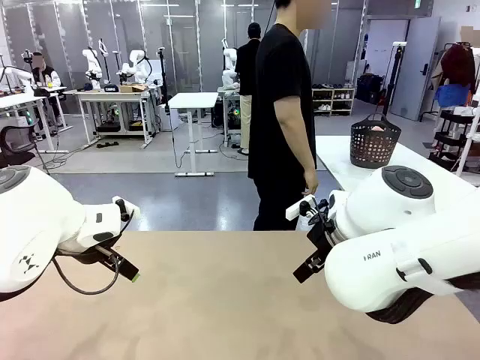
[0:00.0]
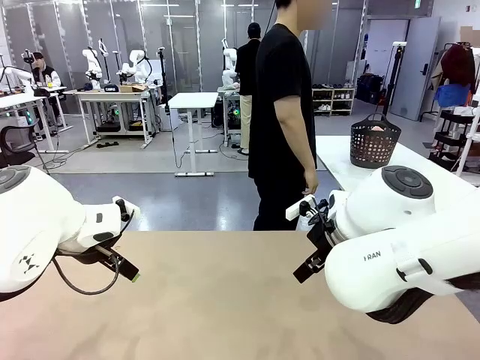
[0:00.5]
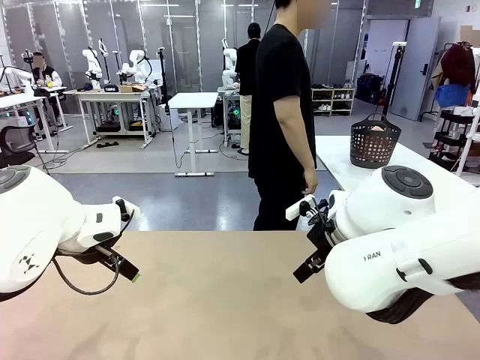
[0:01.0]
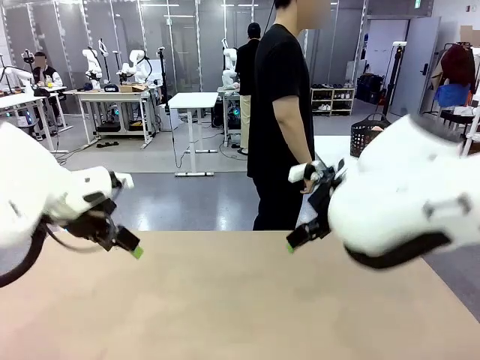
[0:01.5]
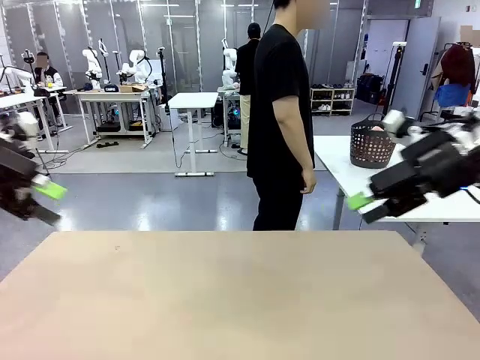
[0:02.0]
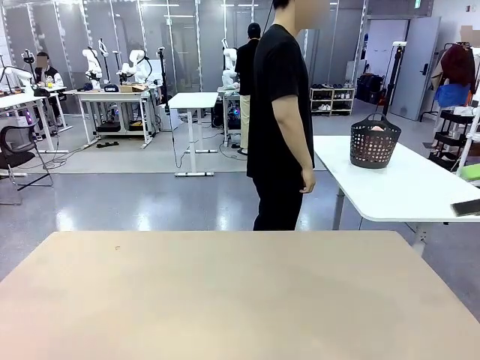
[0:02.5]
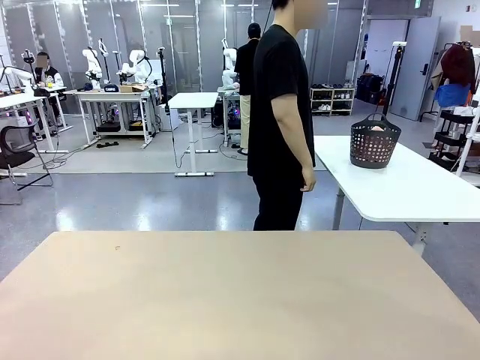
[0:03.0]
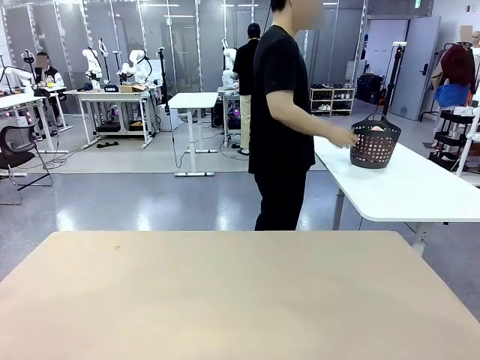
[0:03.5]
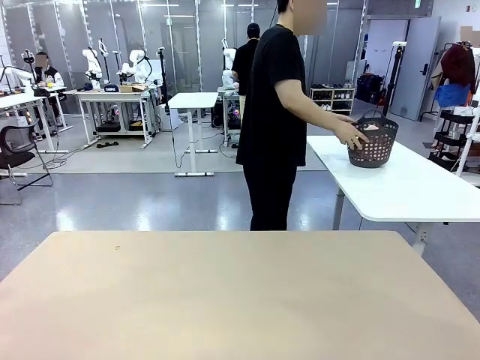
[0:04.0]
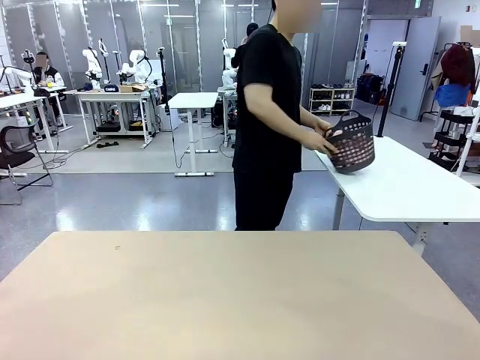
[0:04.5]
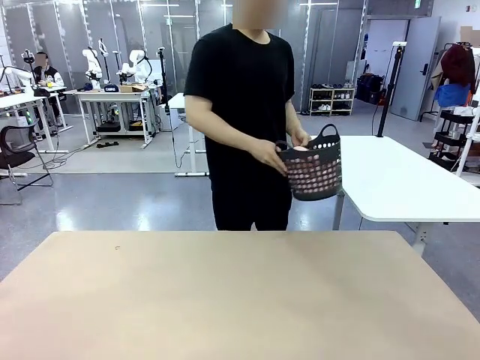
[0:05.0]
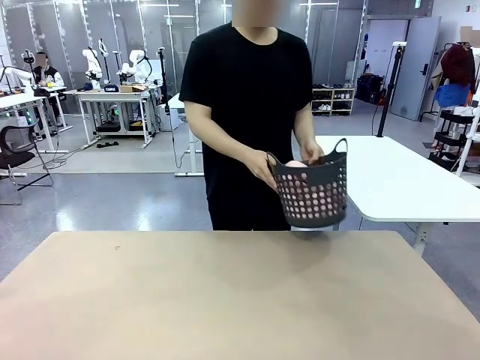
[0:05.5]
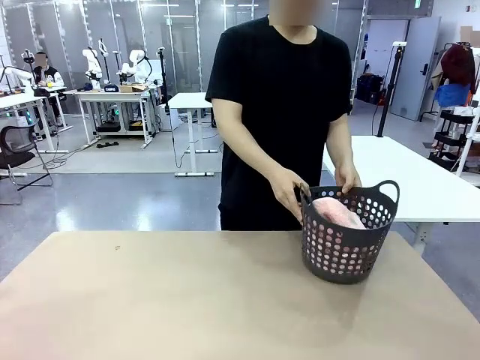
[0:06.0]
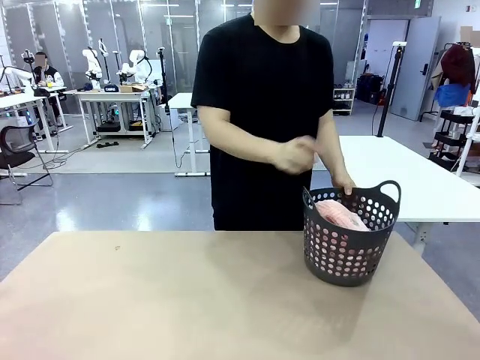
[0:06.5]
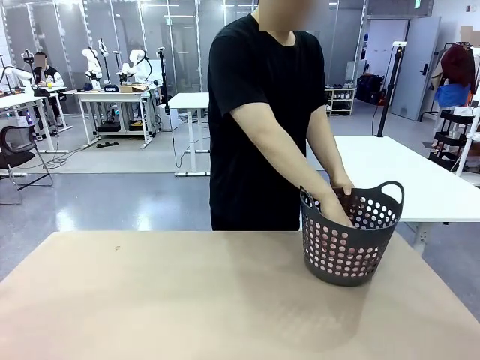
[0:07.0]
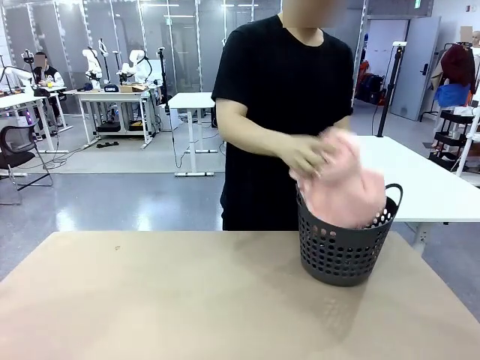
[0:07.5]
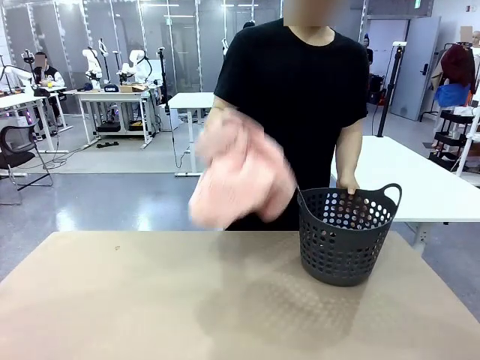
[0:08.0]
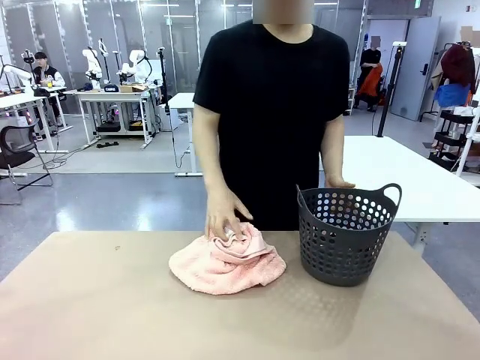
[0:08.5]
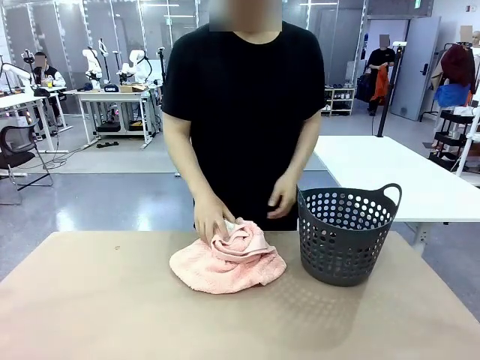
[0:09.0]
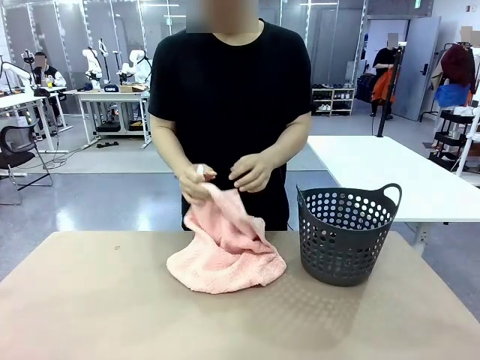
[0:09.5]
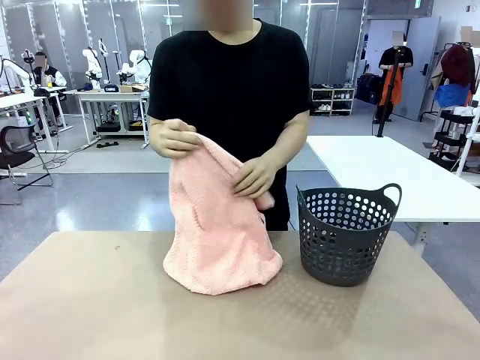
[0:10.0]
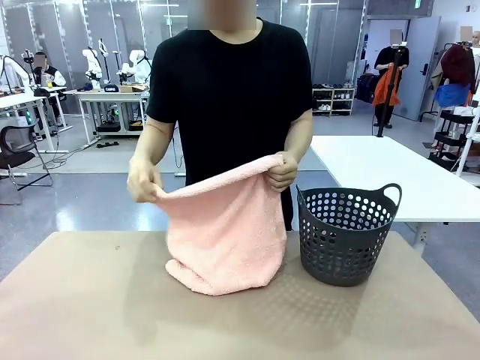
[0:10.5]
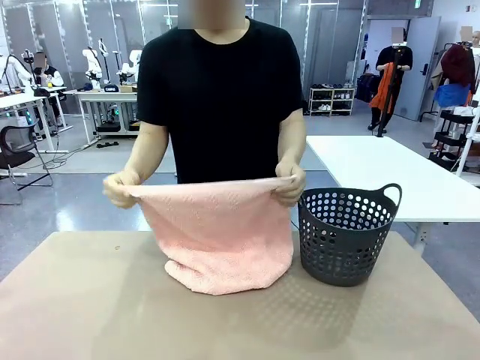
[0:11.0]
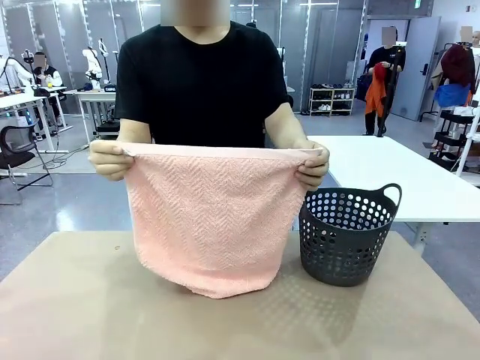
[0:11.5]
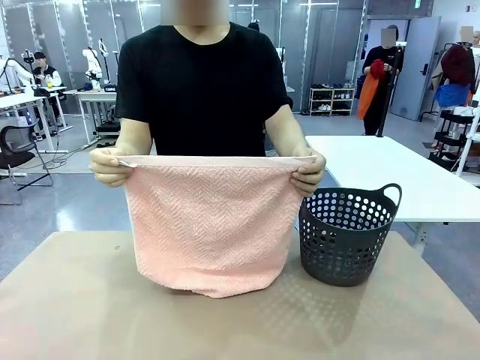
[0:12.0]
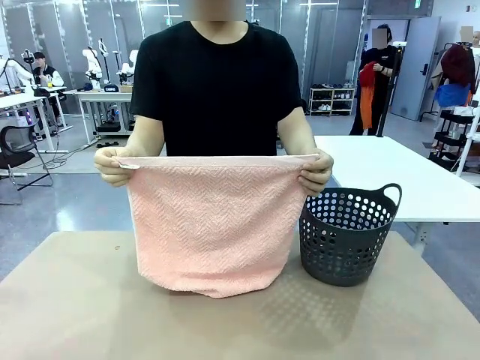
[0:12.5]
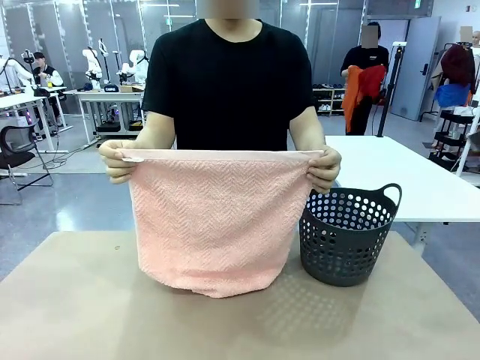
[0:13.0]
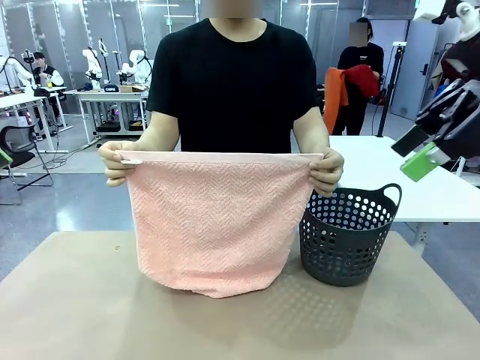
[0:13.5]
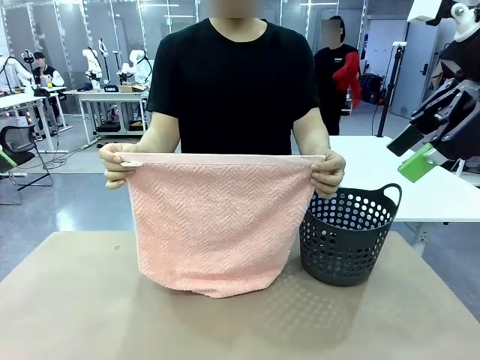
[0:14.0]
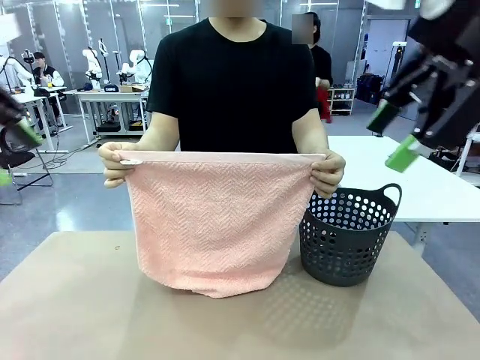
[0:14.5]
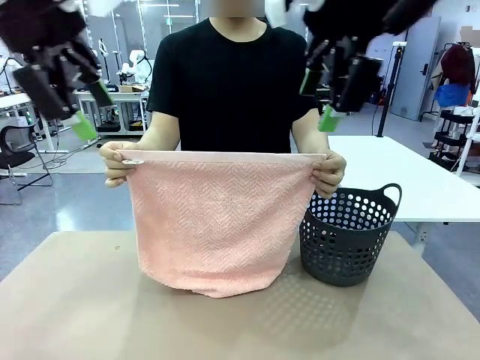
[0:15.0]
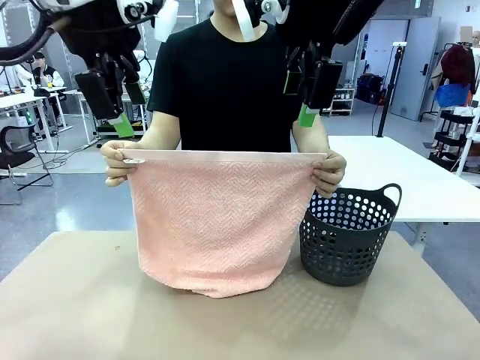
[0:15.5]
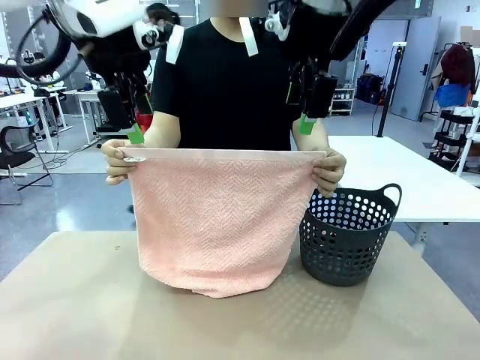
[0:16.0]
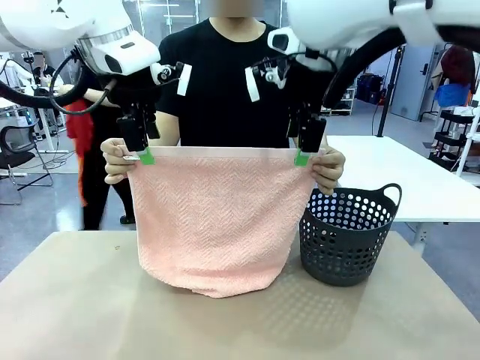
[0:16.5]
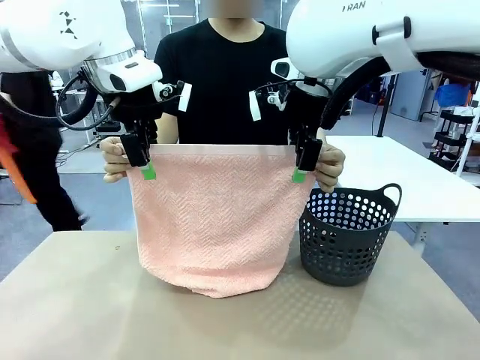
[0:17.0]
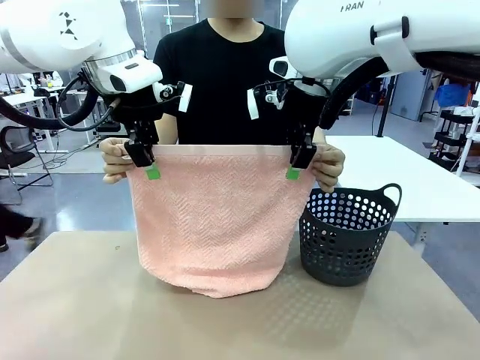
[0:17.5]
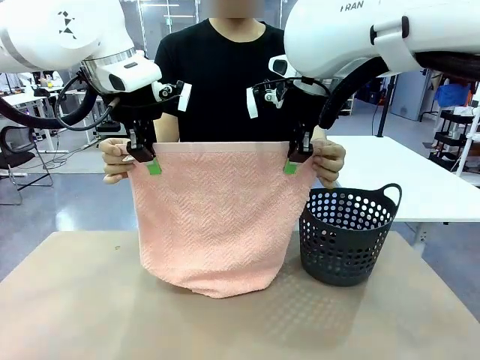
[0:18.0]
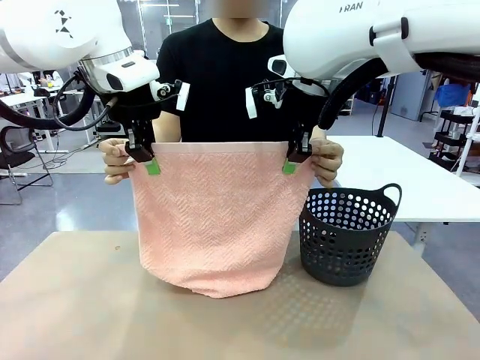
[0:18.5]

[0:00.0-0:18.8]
Task: Fold the towel.
Robot: Grab the top end of the 100 cm Hotel Towel extended by the human.
Person: Pick up the laundry basket, place it on the left side of the robot table, then take out a towel and hand it to the robot while holding both corners of one end.

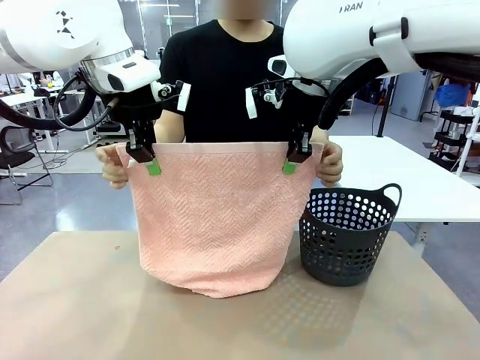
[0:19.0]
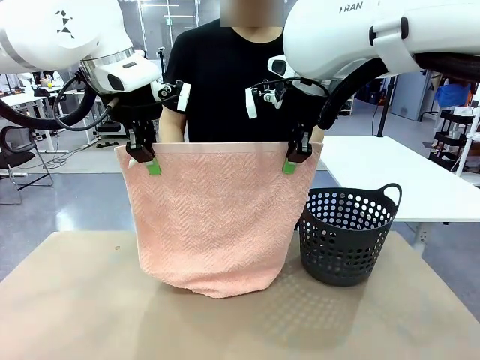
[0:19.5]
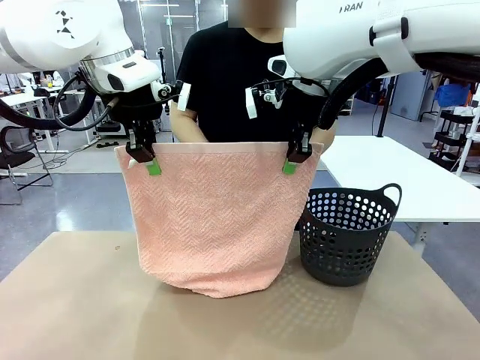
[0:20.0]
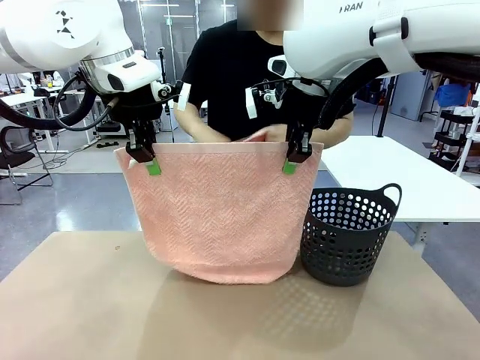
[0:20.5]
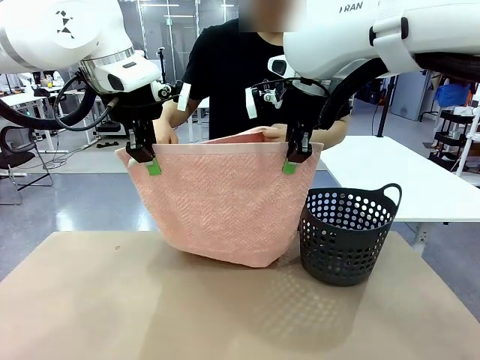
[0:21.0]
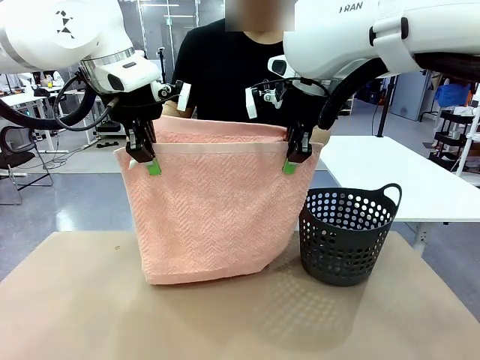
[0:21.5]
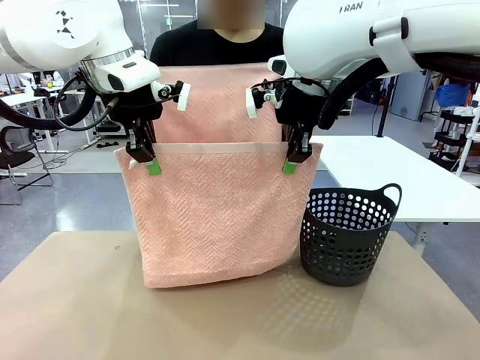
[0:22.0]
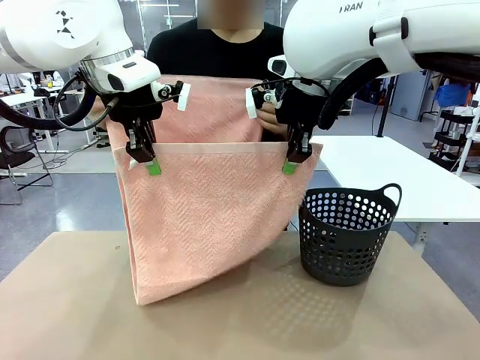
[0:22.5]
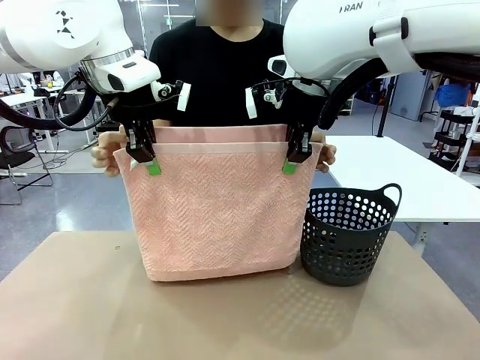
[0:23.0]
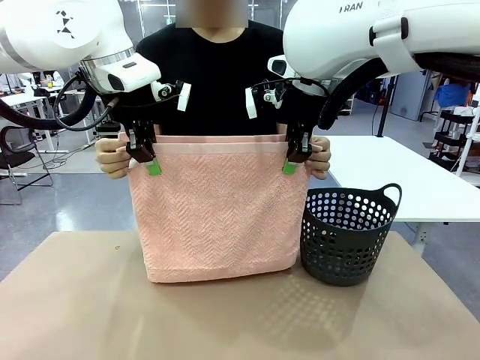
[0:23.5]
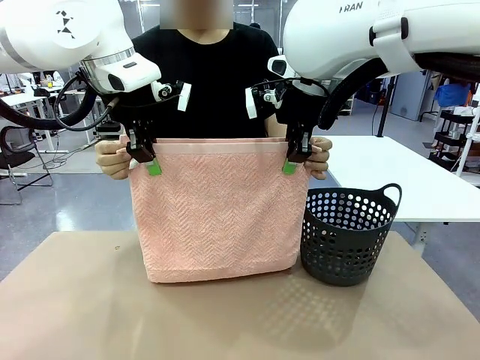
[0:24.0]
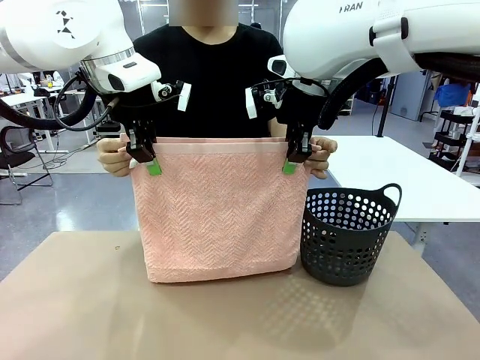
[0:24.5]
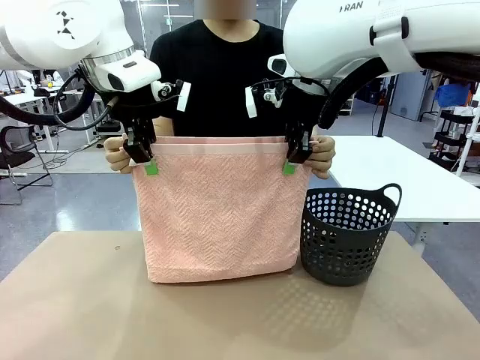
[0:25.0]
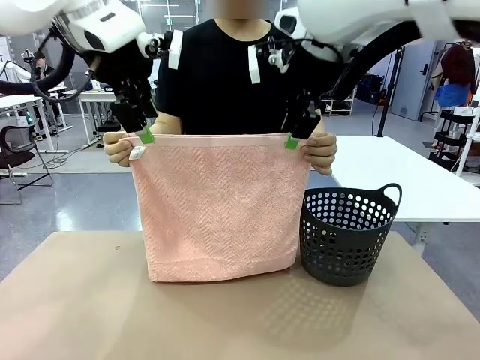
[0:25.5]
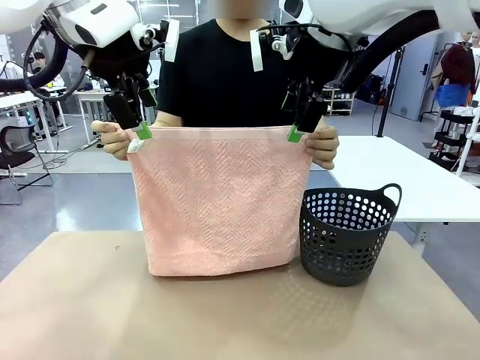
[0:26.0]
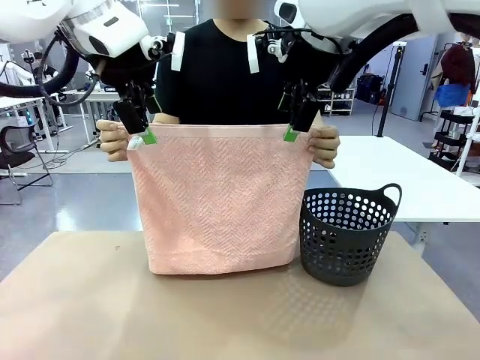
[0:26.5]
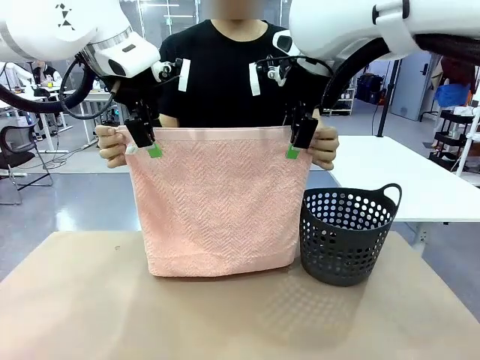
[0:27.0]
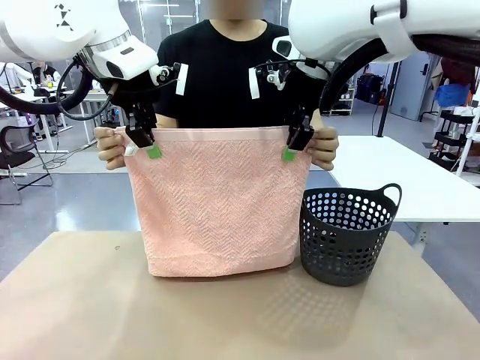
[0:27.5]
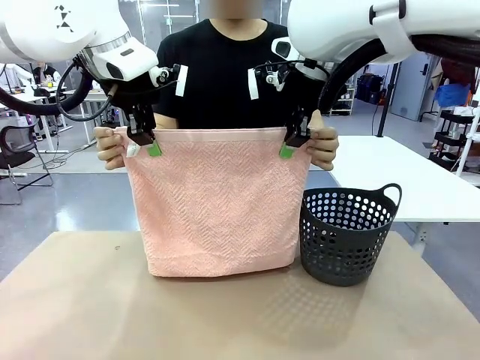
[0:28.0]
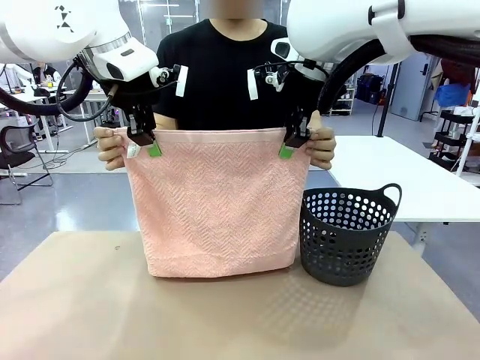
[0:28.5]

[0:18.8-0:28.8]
Robot: Release the end of the 100 cm Hotel Towel you were holding and grab the top end of the folded side.
